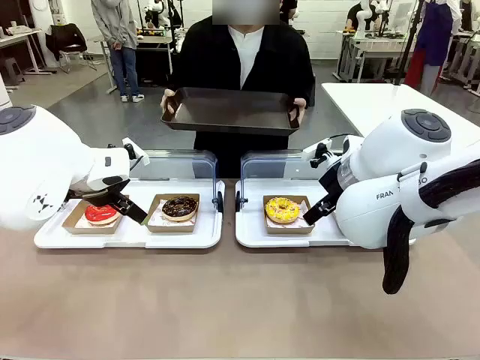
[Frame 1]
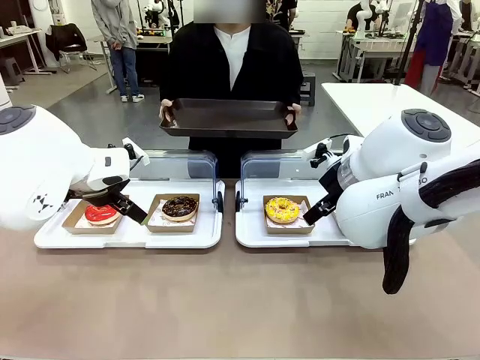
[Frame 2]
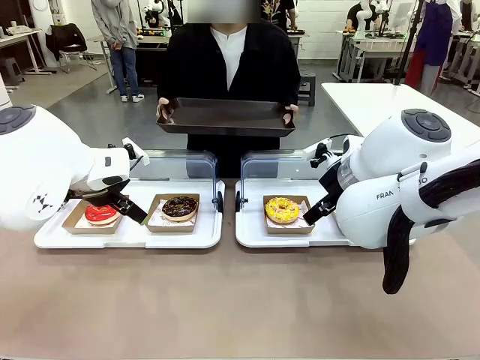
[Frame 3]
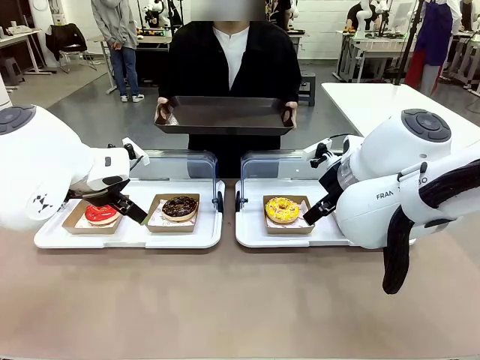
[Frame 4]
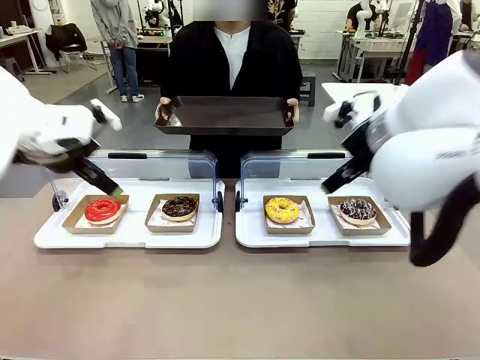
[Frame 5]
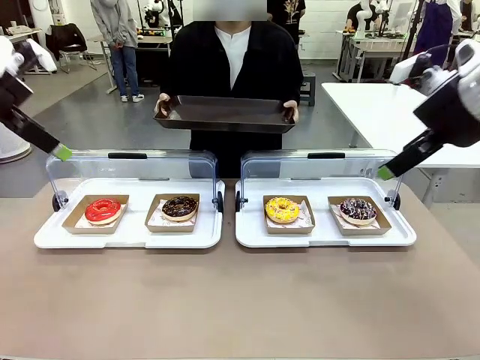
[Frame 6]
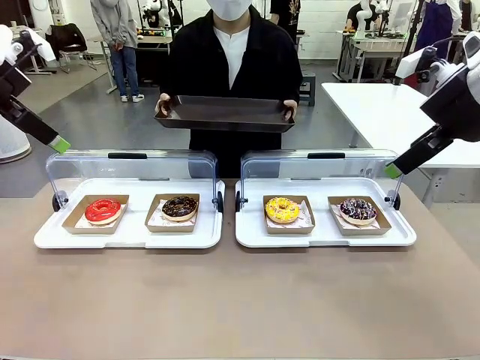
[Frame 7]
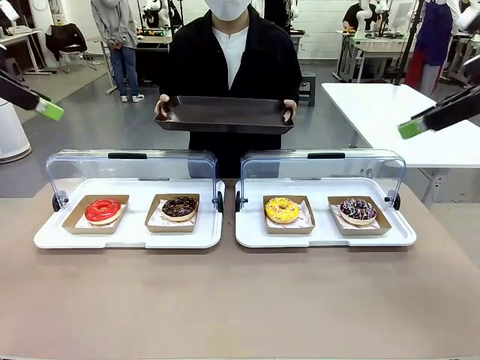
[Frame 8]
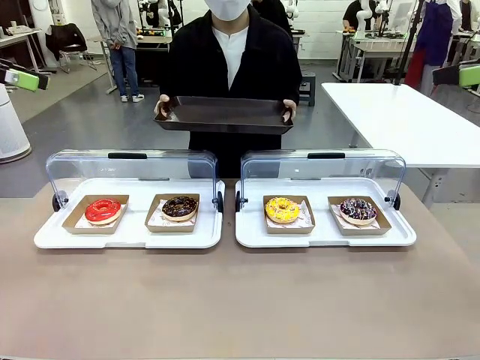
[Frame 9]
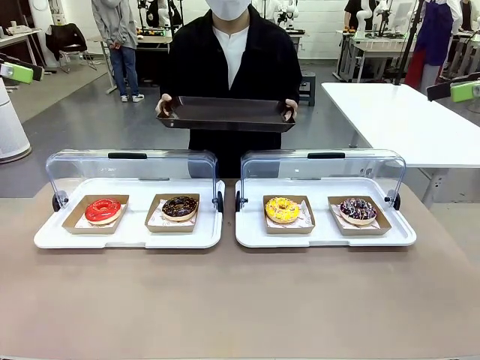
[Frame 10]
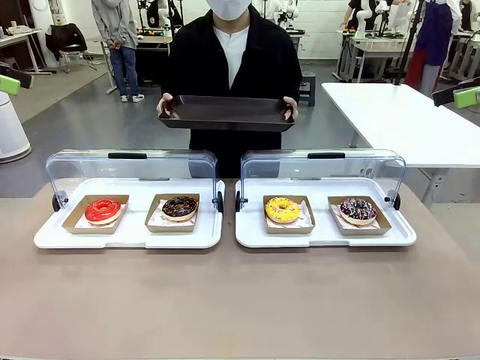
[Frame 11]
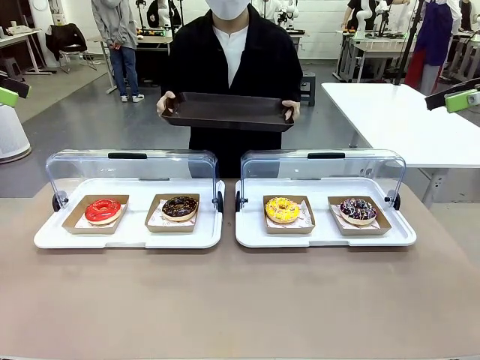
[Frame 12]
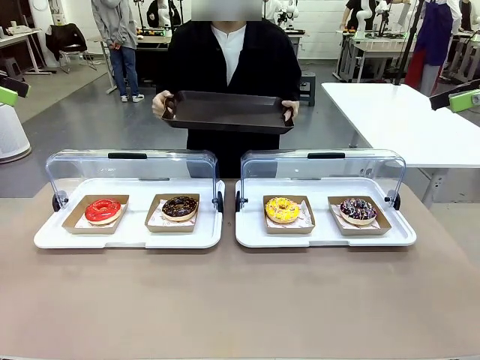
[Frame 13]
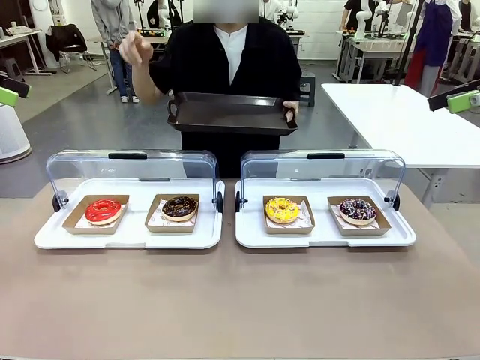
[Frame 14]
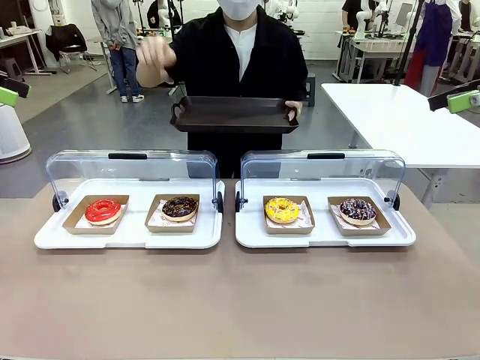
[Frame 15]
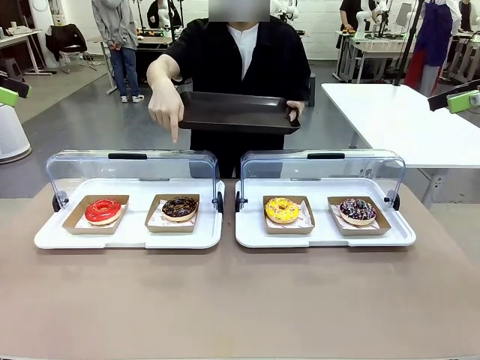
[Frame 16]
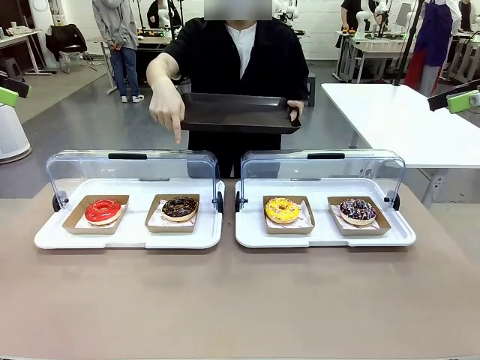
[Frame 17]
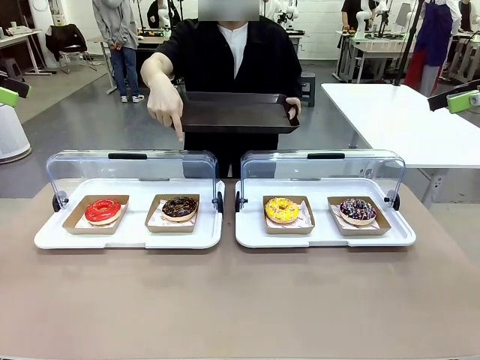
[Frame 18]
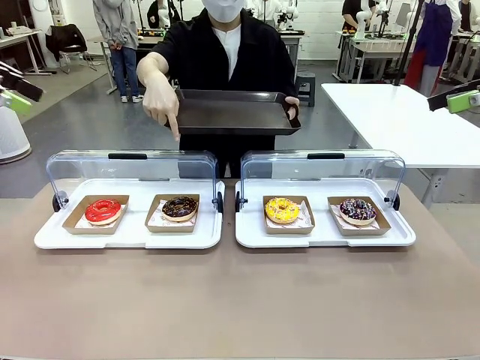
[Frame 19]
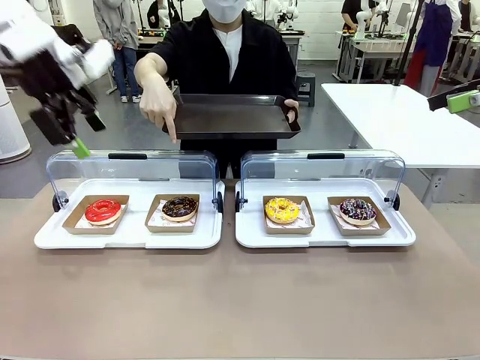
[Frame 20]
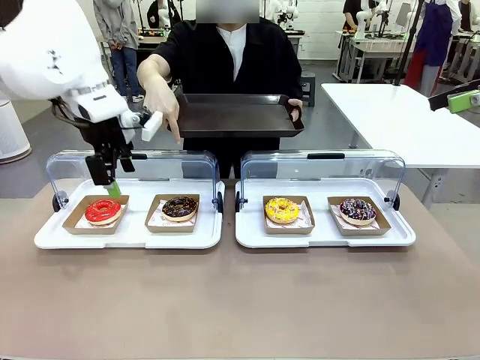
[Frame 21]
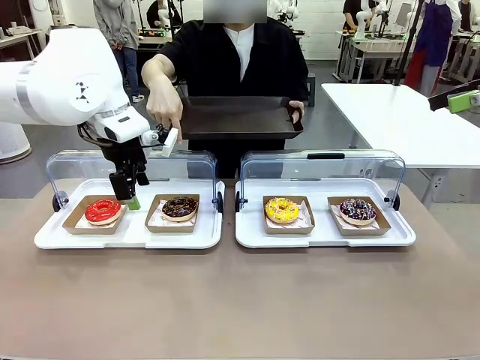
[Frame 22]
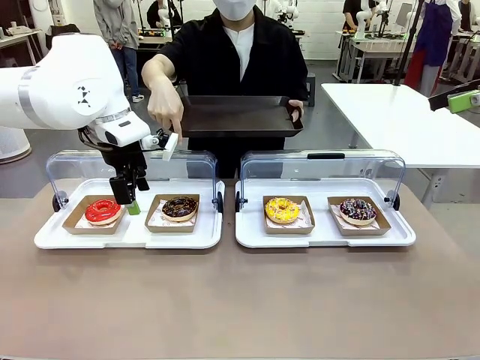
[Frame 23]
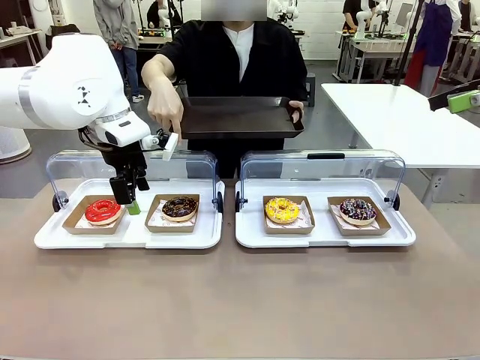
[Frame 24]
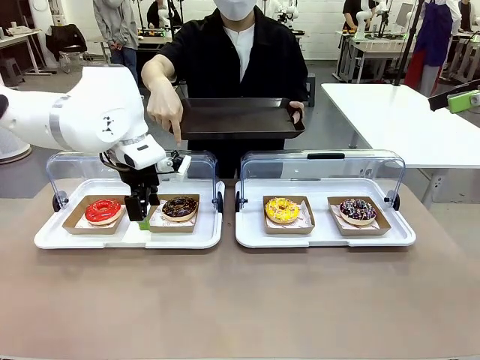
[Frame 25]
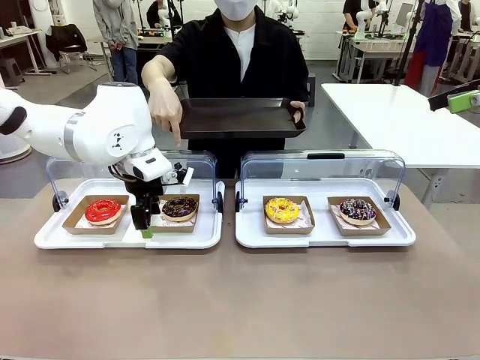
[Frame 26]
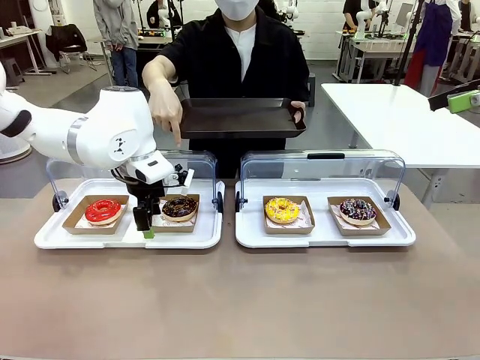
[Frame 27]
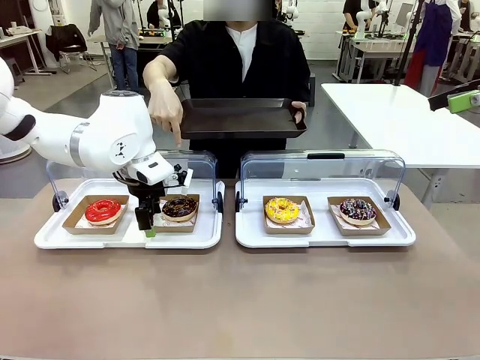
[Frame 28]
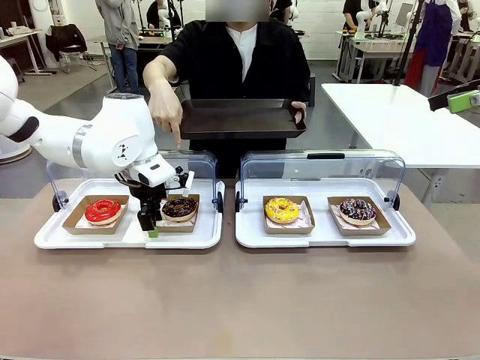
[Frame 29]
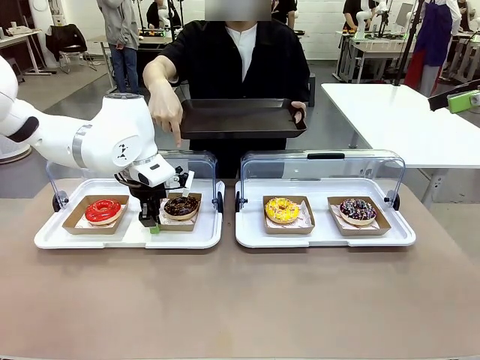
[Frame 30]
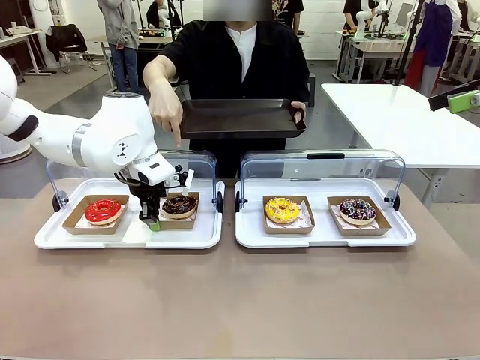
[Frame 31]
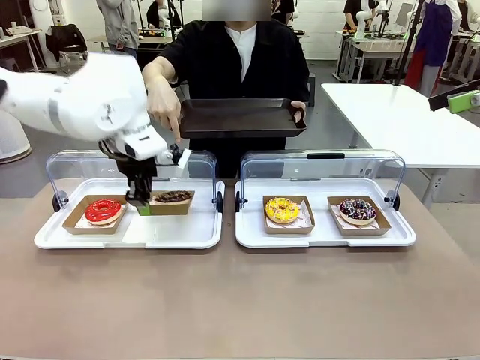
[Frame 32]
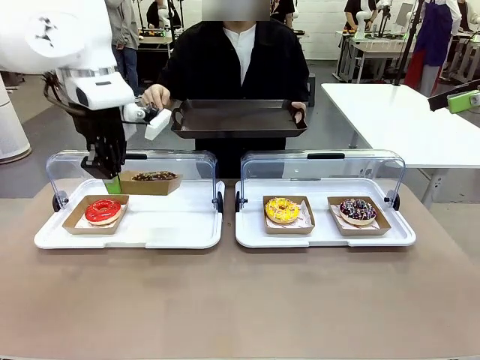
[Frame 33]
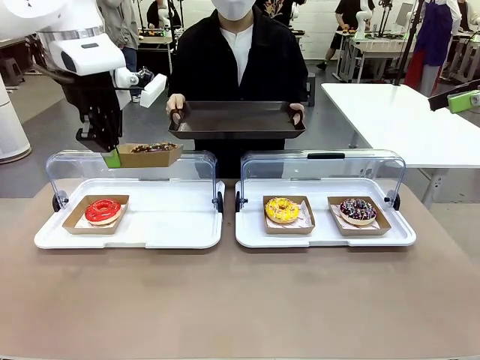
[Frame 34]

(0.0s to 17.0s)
Task: Provide the desired donut to the person.
Robot: Pick up and lift the Paper togo box containing the Donut pointed at by the person.
Person: Point to one donut. Lift the tray onto the Roll-Top Bakery Case.

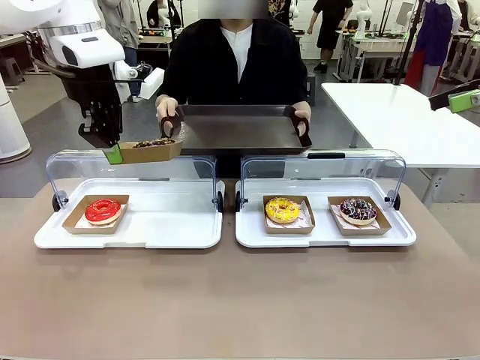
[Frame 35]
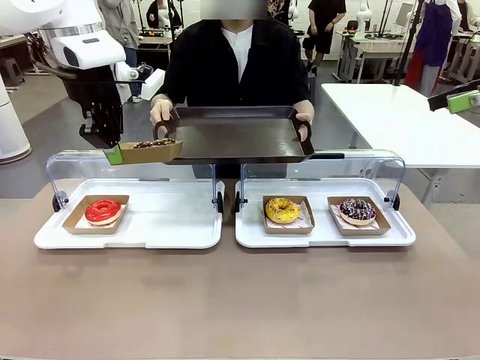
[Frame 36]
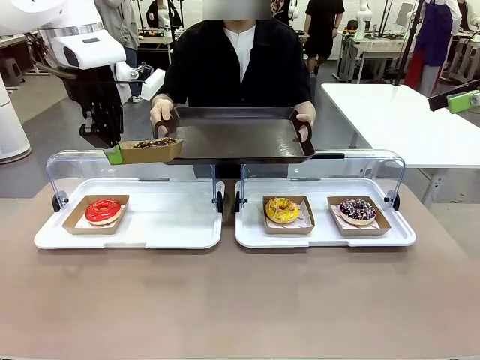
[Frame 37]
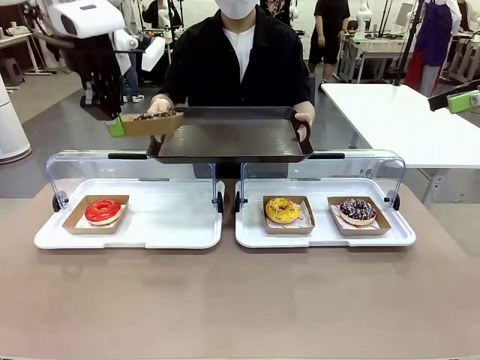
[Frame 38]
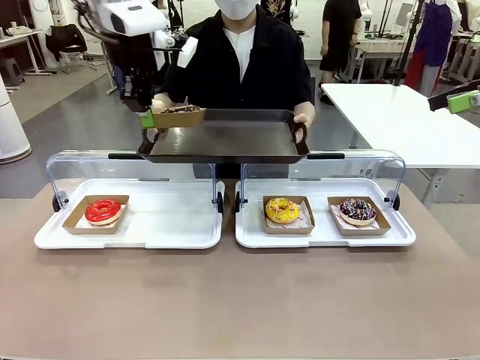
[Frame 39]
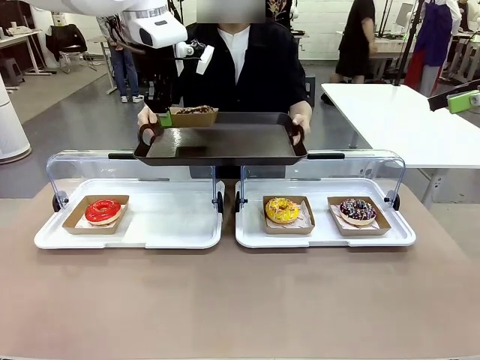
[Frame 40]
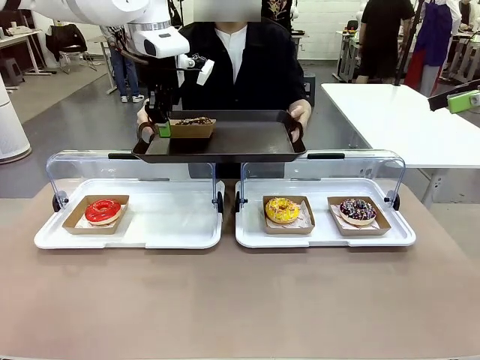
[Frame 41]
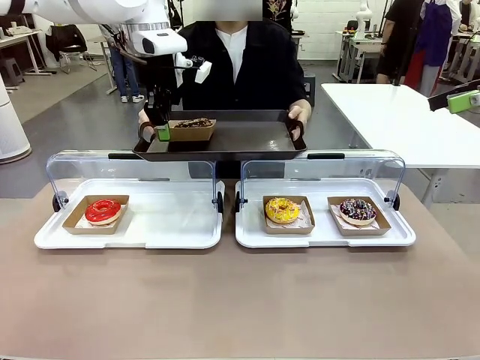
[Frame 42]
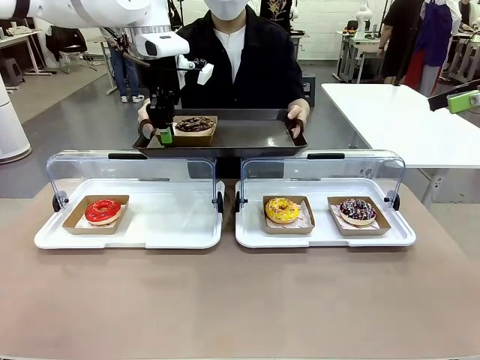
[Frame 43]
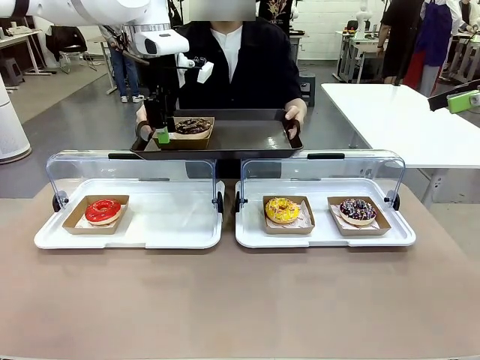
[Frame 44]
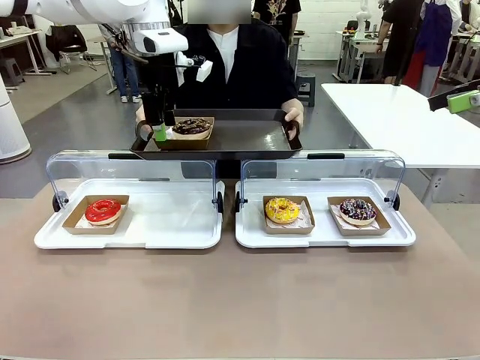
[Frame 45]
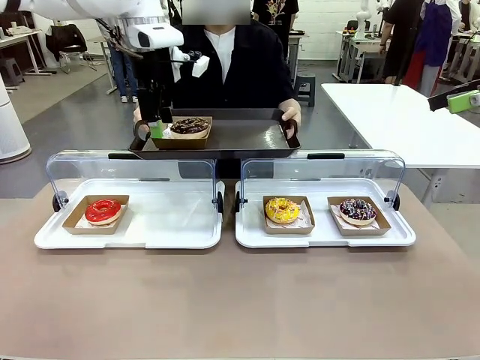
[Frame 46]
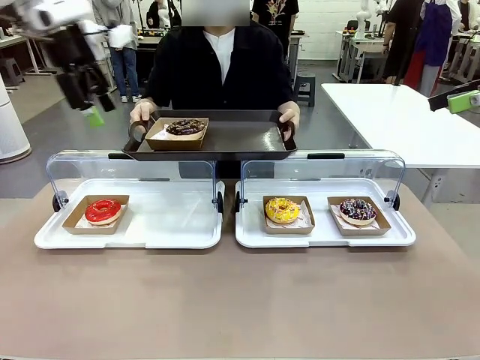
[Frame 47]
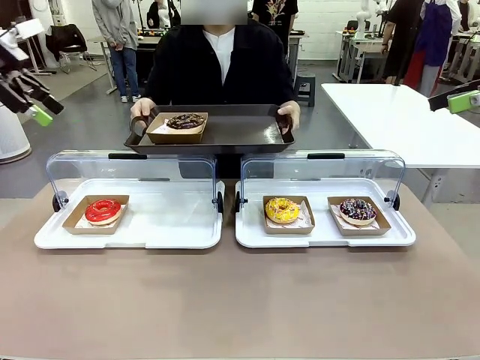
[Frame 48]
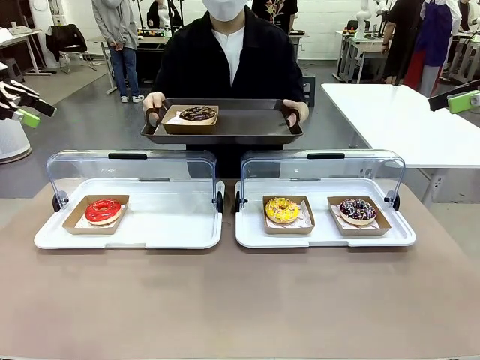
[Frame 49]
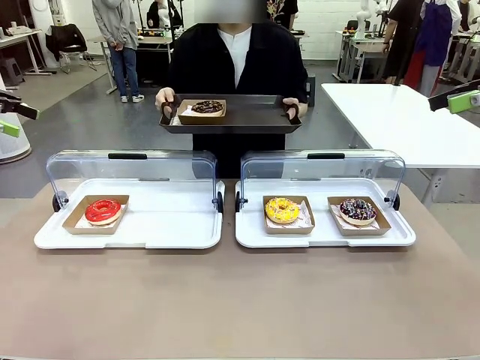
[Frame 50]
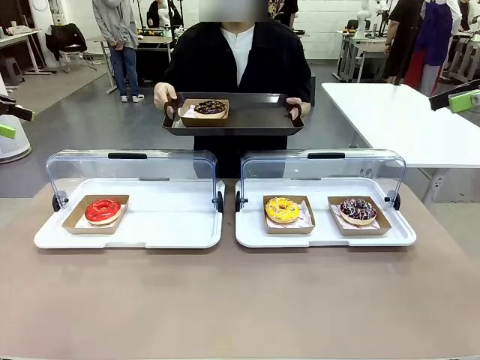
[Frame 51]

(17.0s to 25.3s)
Robot: Place the picked Paper togo box onto the Handle tray extended by the person.
Person: Point to one donut.
